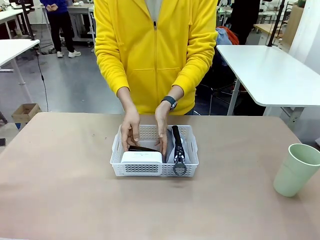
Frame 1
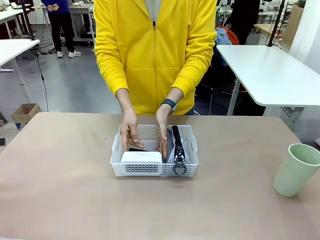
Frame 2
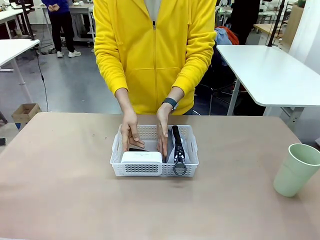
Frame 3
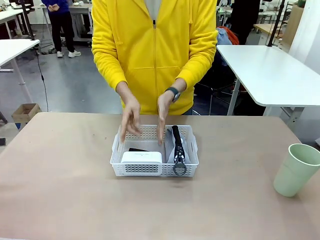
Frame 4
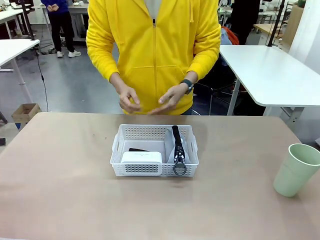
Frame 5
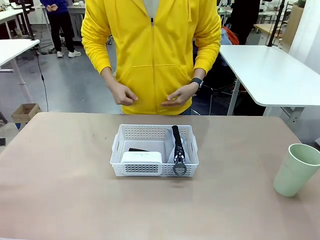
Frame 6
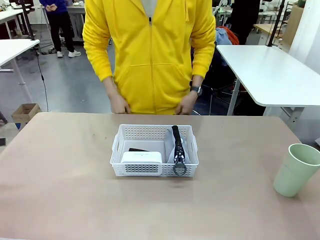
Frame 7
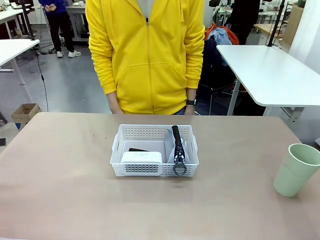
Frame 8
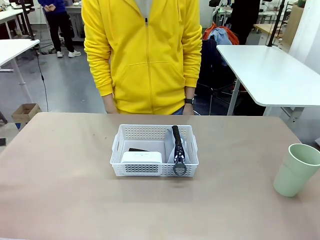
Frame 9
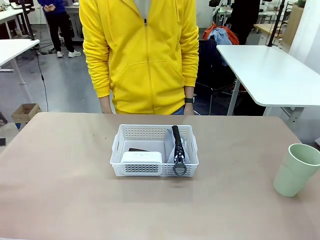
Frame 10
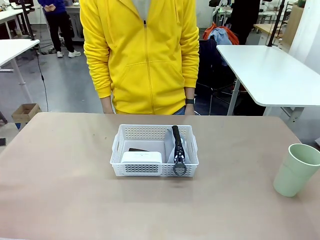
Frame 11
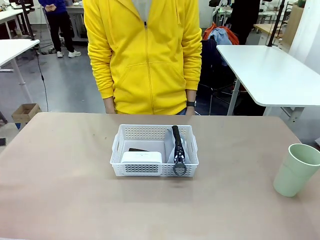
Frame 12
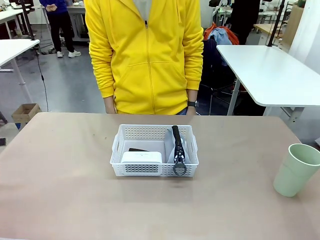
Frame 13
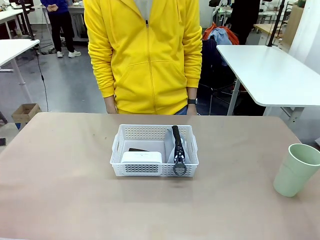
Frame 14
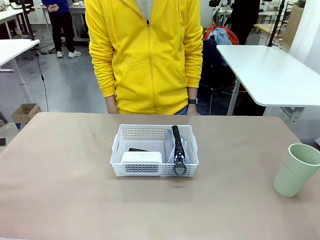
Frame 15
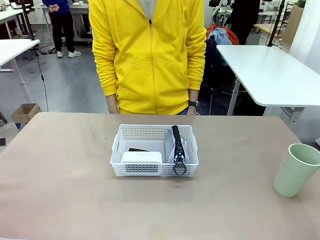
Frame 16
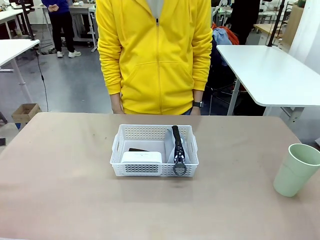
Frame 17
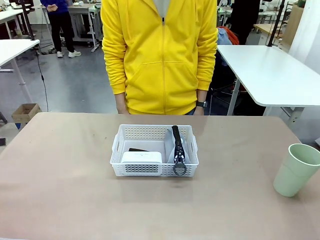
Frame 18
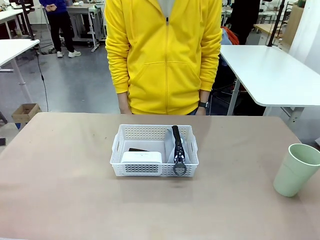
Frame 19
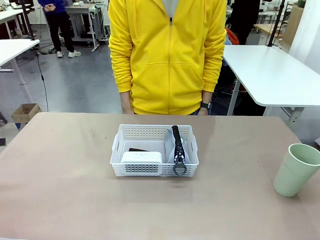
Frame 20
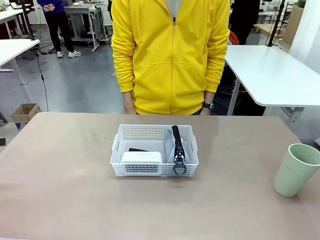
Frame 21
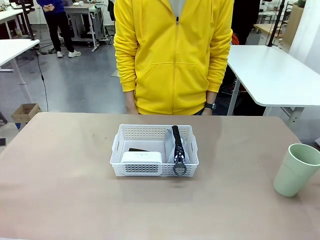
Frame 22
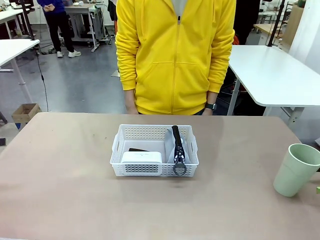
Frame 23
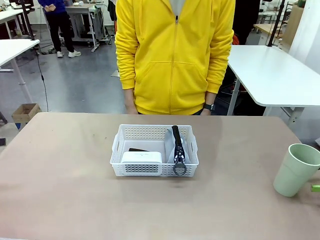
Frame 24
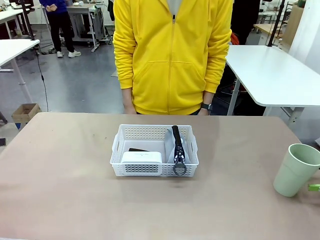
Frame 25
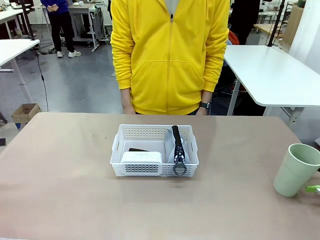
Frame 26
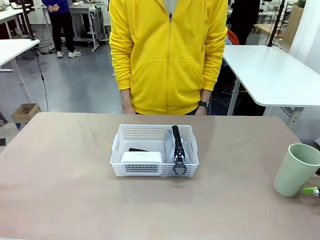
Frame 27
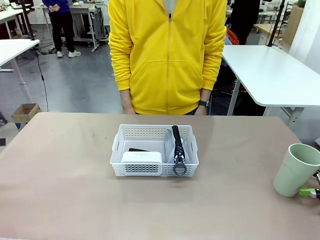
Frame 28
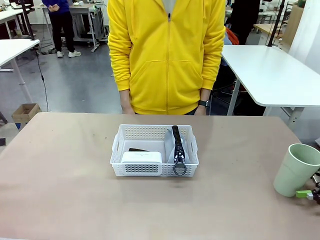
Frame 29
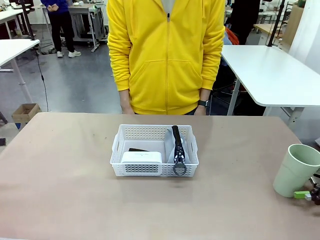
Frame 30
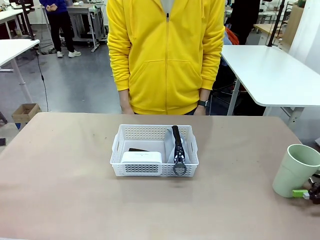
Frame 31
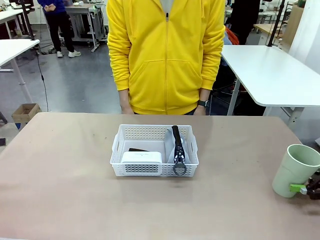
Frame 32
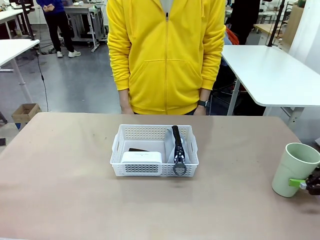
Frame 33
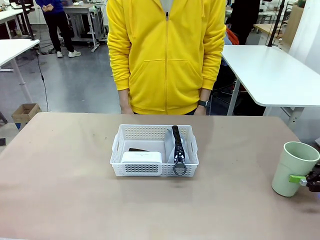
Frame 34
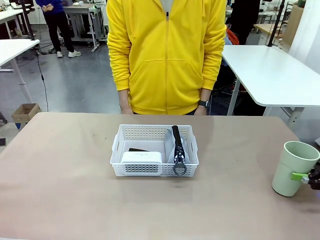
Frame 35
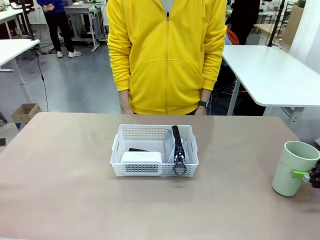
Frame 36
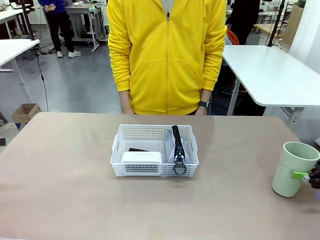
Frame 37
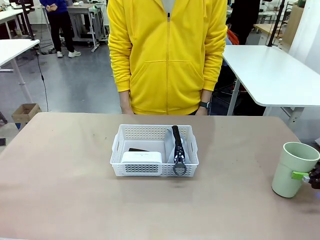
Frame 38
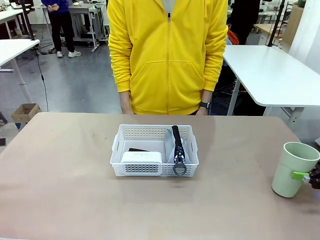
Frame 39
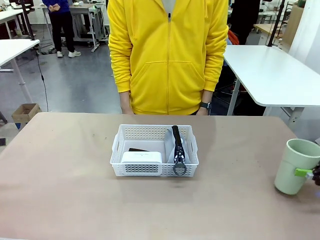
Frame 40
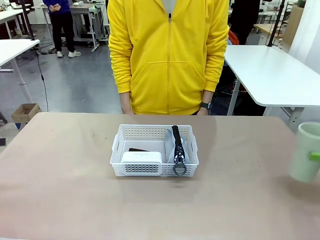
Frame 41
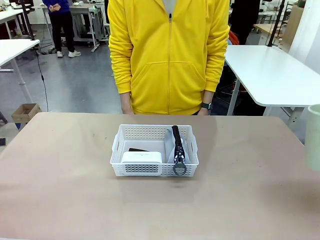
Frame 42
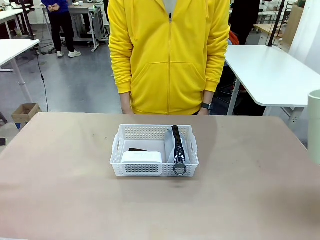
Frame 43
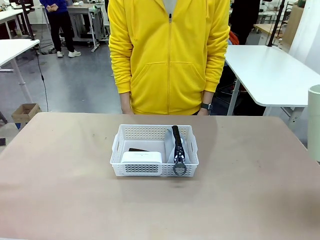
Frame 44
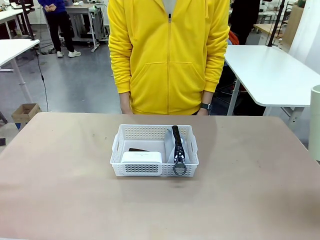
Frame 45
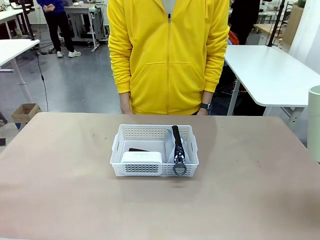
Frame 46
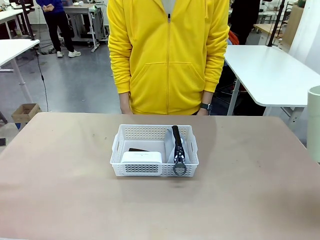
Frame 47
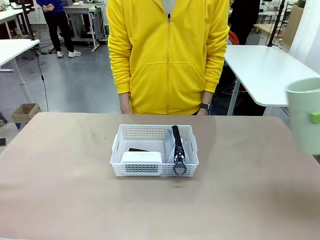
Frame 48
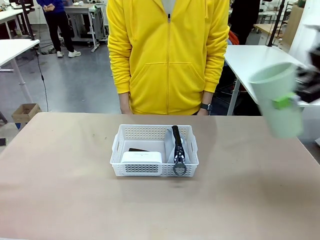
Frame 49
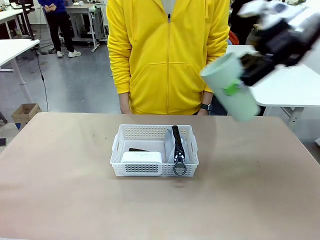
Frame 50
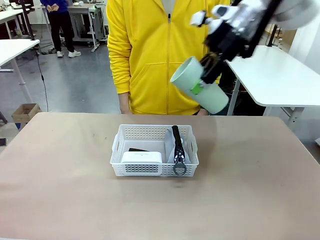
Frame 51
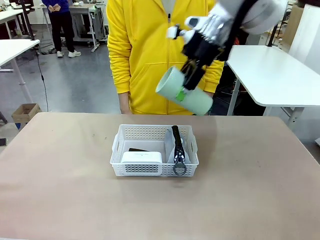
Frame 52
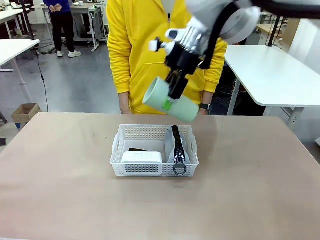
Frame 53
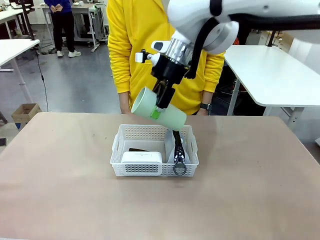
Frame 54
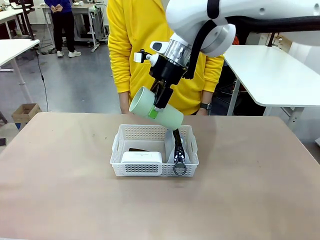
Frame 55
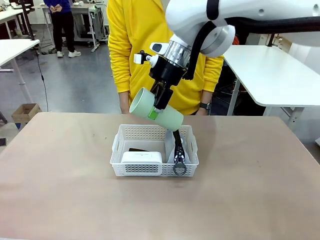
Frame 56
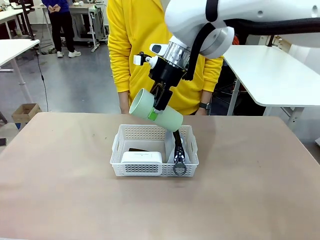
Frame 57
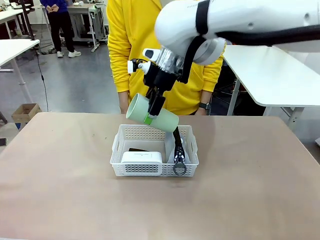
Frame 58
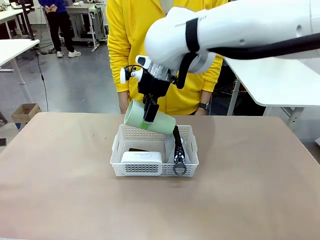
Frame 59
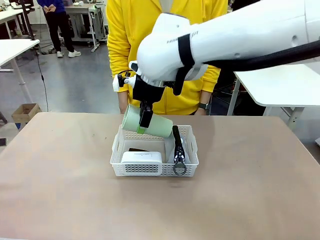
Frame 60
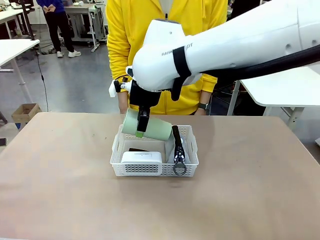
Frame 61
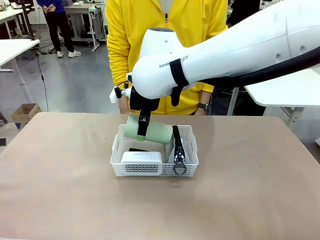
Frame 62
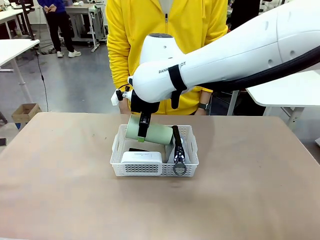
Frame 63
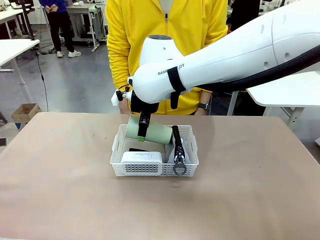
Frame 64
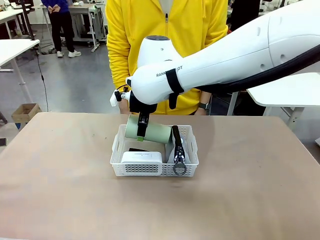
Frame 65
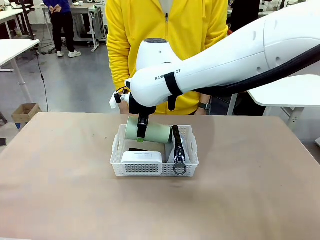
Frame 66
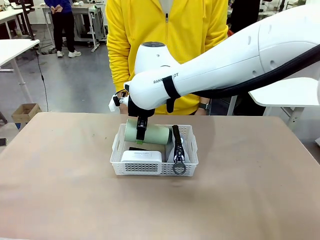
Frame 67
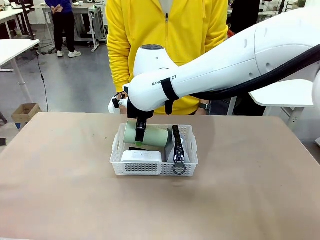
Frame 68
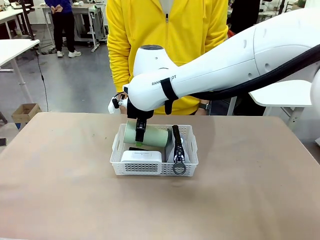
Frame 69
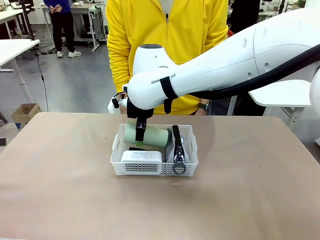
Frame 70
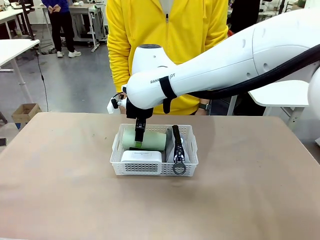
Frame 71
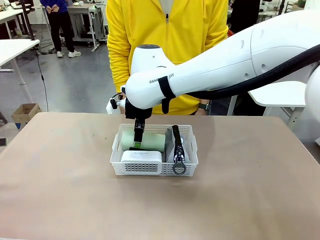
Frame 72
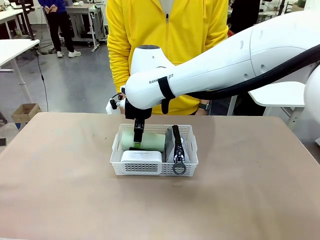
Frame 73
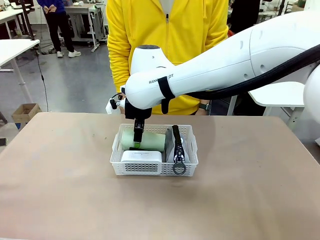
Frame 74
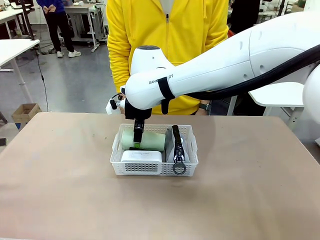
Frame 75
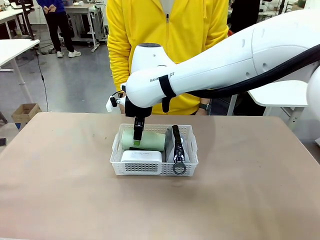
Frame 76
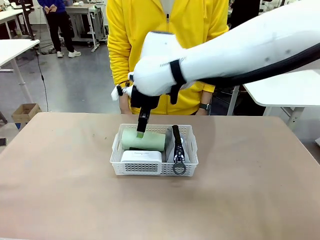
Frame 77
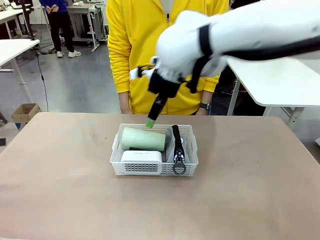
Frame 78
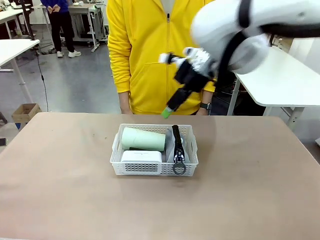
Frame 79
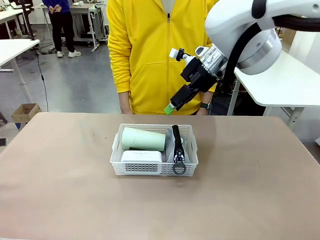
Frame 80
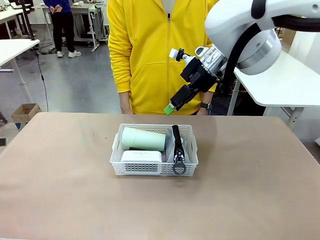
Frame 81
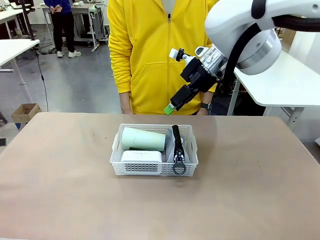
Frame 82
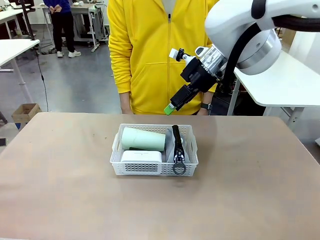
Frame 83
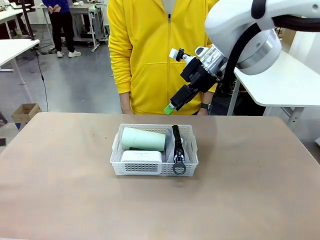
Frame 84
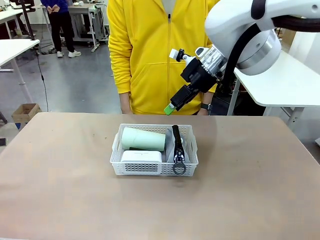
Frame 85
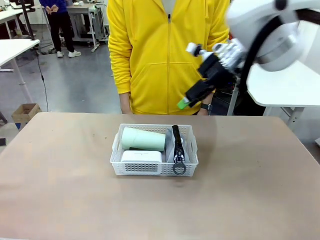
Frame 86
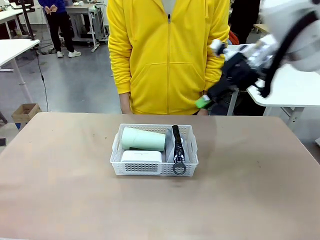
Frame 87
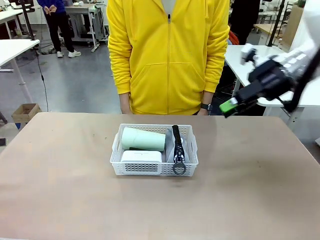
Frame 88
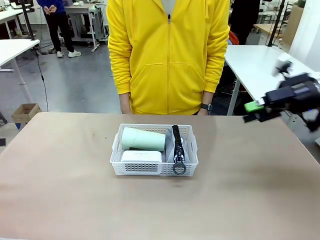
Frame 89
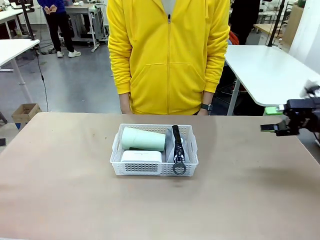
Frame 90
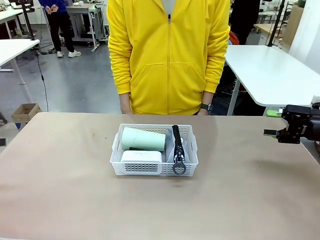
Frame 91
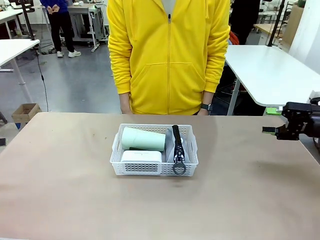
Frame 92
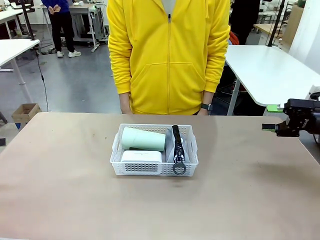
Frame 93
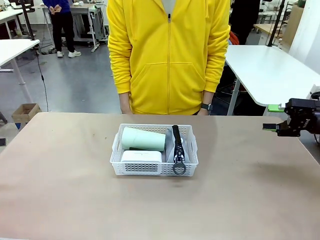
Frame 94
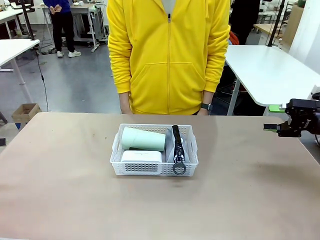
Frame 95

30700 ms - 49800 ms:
Task: Efficiently arrange items inside the basket to fit them all.
Robot: Pick up the Reusable plastic cup and place it inside the Organizing basket.
Person: Repositions the stapler.
